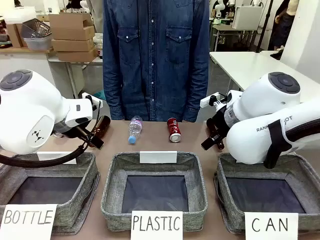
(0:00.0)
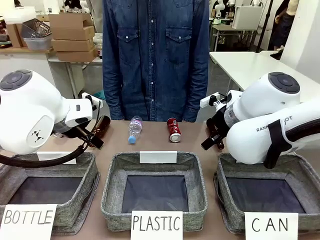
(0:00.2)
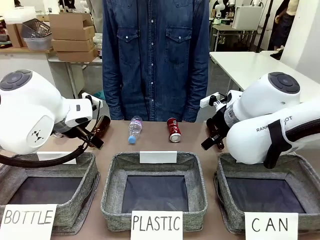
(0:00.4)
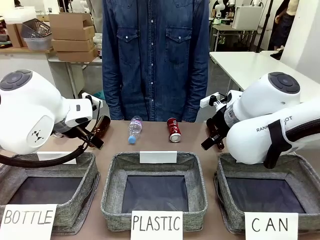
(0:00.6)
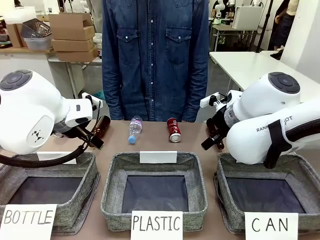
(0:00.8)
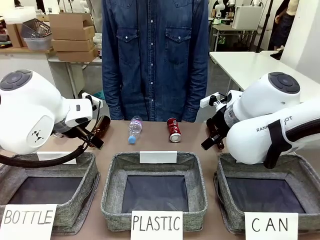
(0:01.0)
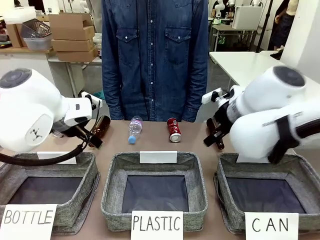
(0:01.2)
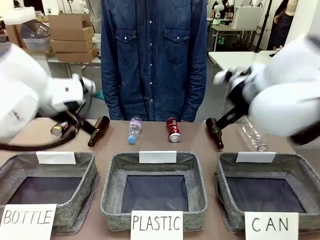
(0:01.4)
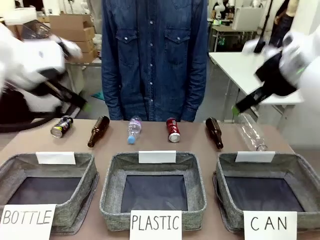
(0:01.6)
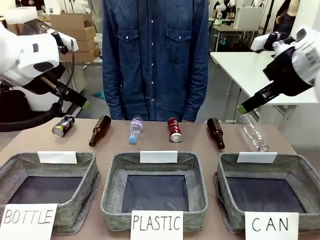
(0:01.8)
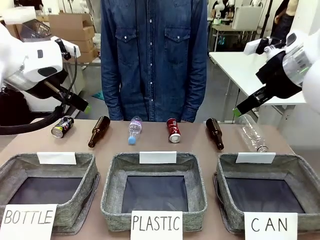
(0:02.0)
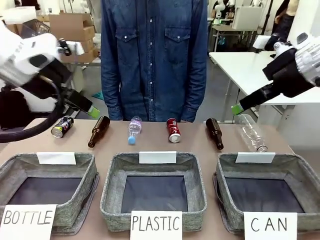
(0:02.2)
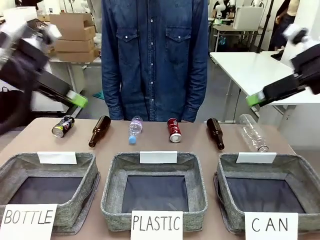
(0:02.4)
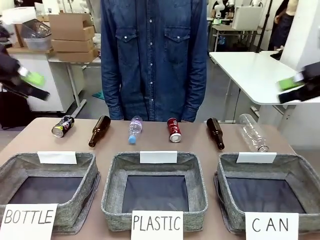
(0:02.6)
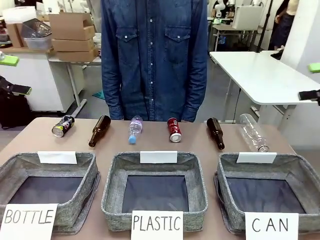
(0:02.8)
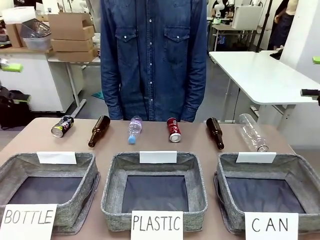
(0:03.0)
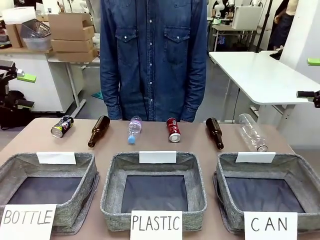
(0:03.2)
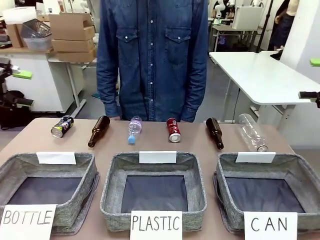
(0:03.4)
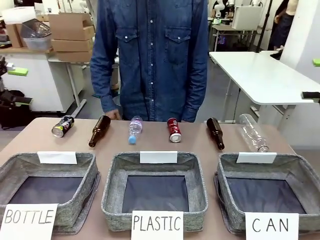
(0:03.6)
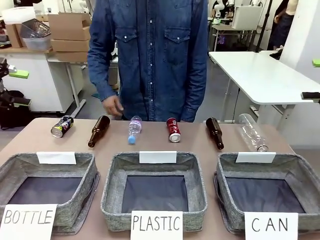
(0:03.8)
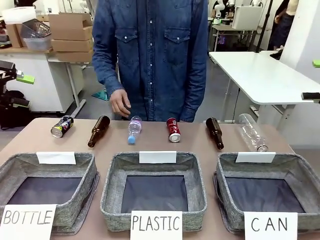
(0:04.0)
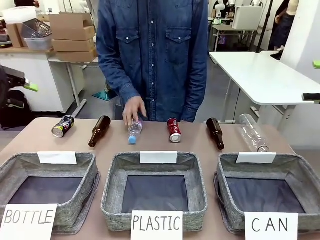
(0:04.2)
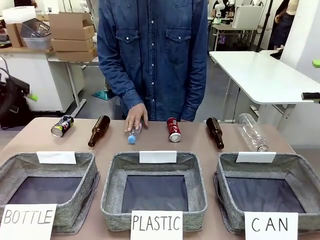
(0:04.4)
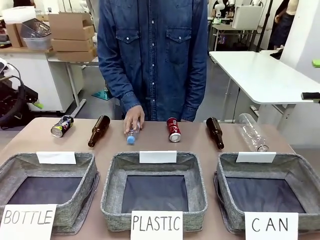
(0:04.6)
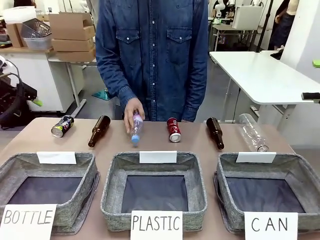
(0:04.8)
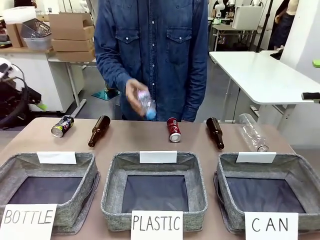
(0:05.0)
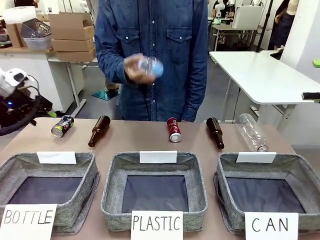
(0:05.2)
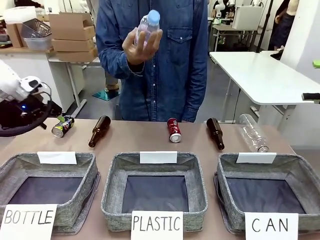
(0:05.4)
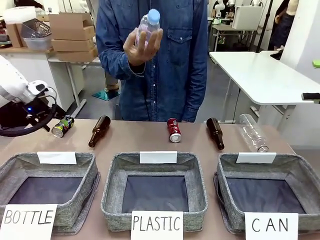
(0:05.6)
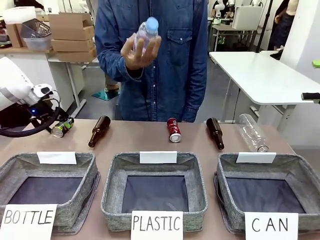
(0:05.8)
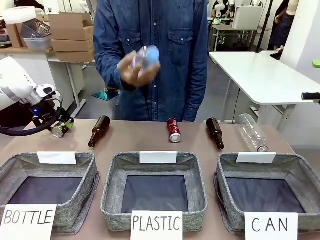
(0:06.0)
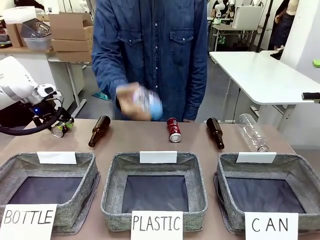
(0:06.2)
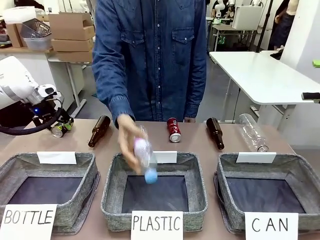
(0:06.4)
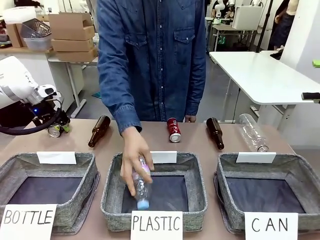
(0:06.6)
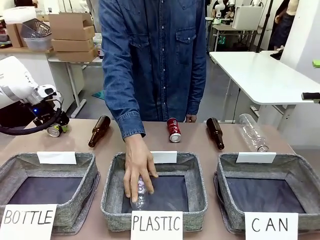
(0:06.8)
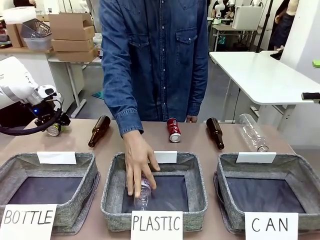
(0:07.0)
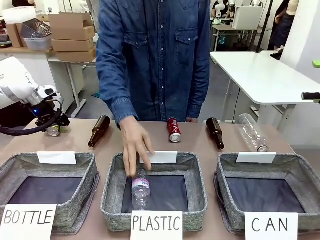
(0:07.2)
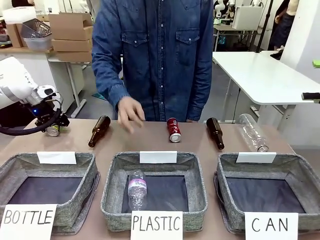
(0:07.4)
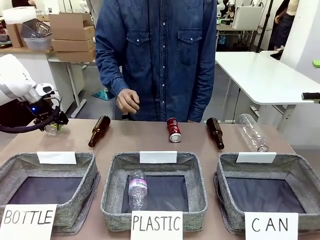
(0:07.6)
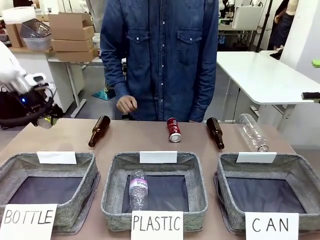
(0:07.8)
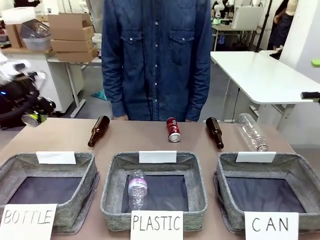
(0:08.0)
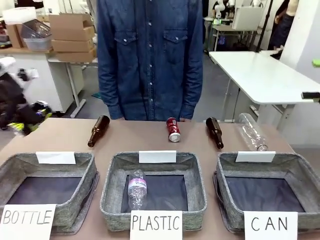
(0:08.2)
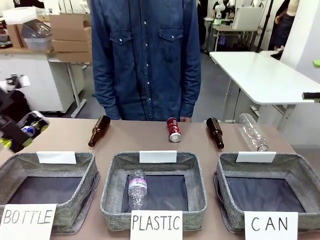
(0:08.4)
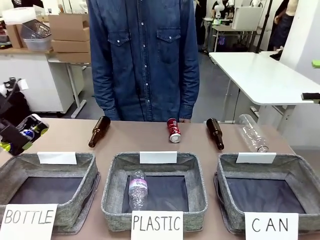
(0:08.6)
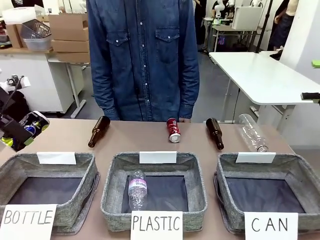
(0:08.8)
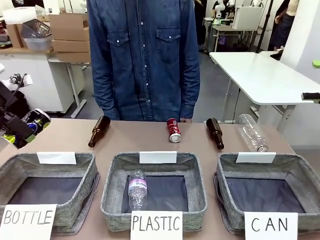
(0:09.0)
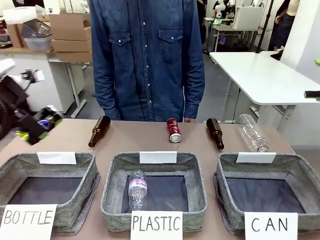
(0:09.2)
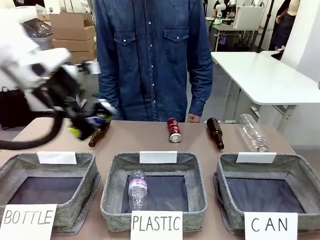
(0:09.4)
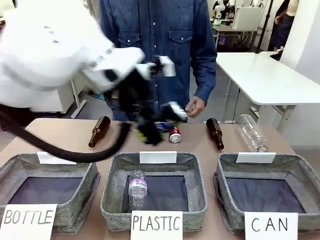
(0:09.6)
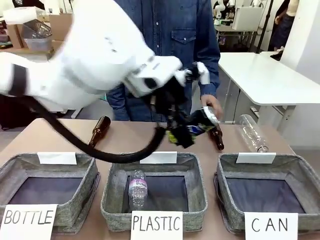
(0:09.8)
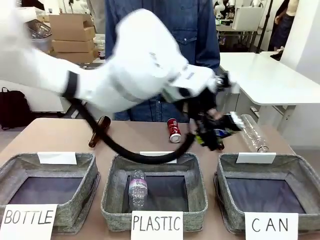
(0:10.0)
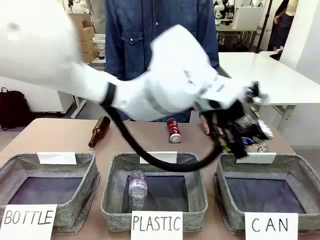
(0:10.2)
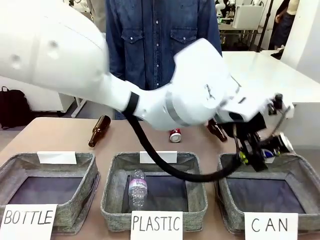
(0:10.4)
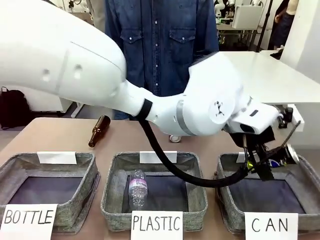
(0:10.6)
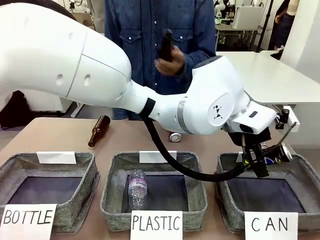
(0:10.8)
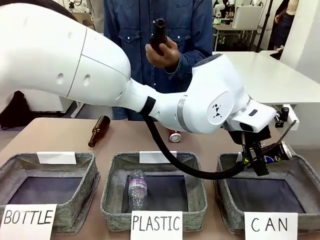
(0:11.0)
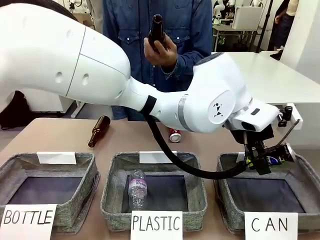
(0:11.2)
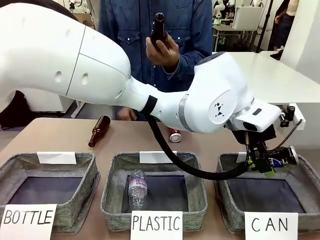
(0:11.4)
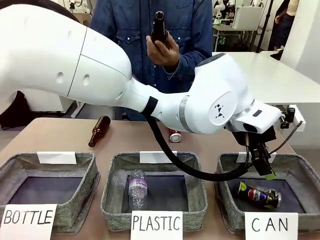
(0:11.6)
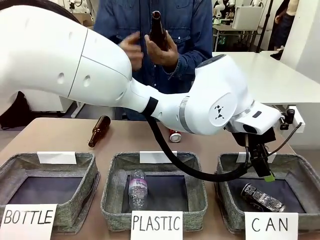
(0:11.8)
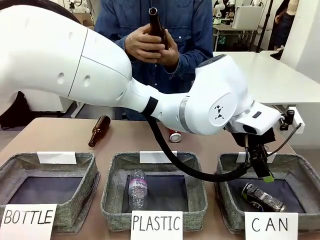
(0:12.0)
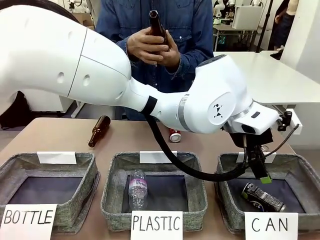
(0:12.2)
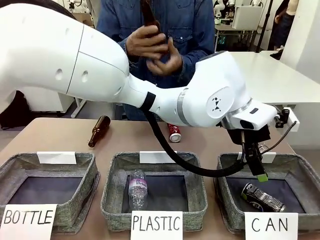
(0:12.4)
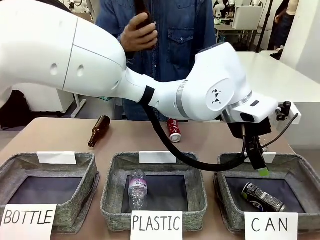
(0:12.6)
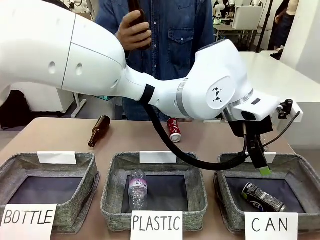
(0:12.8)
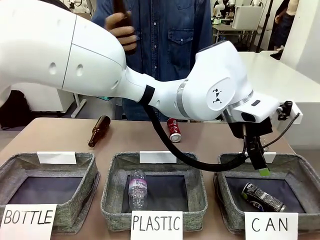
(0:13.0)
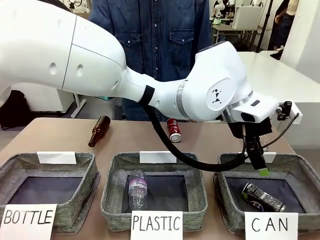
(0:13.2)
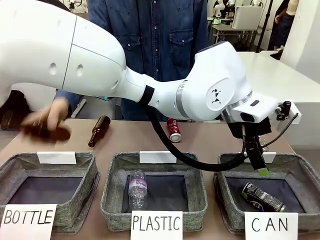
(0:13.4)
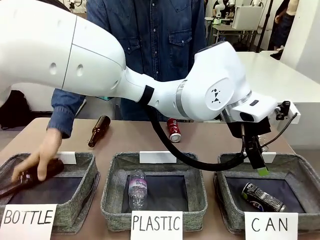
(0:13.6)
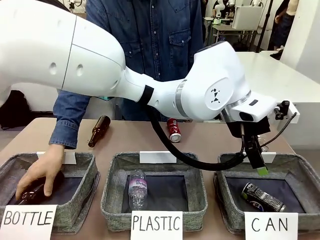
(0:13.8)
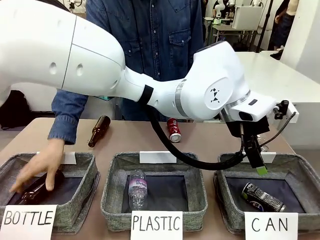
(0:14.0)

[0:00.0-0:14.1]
Task: Sort the can waste into the basket.
Robot: Pick up the can waste from the table and place it in the right Fabric basket.

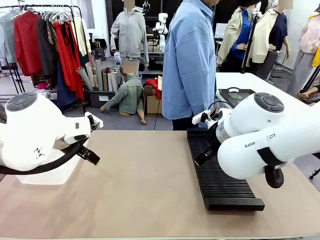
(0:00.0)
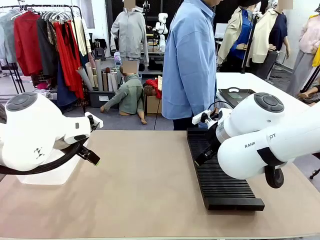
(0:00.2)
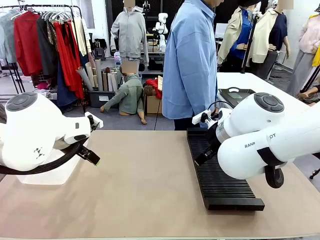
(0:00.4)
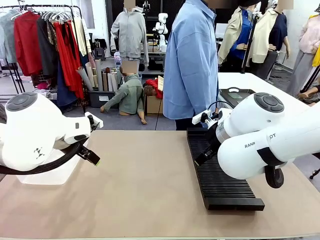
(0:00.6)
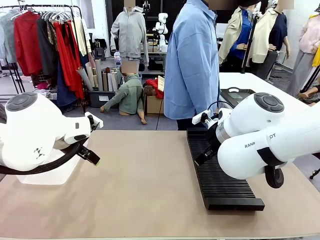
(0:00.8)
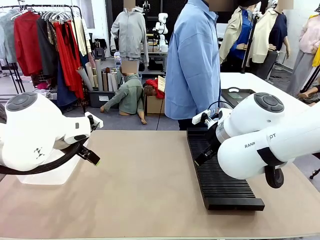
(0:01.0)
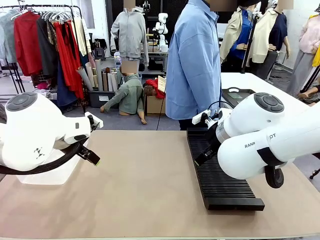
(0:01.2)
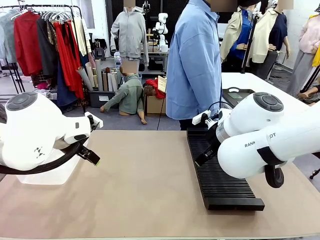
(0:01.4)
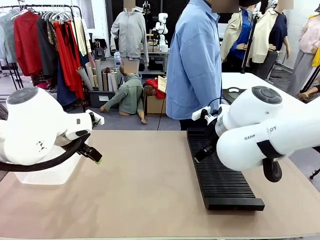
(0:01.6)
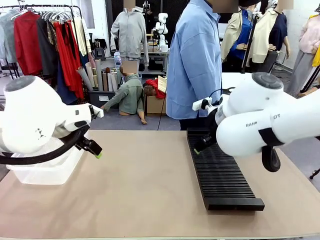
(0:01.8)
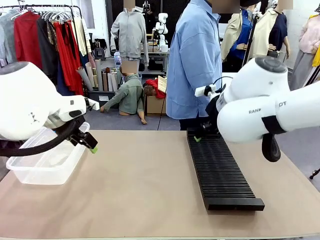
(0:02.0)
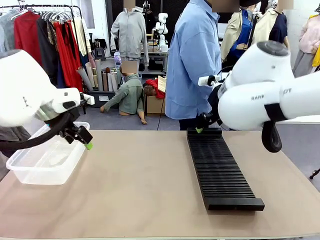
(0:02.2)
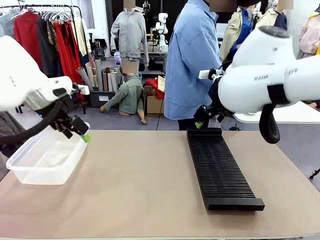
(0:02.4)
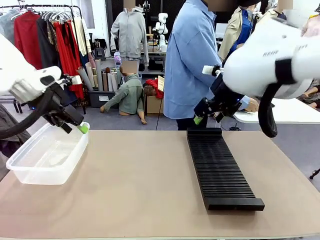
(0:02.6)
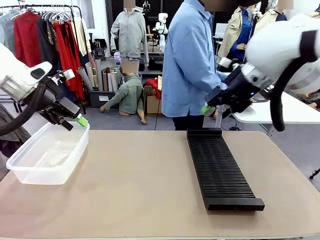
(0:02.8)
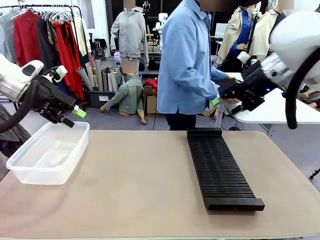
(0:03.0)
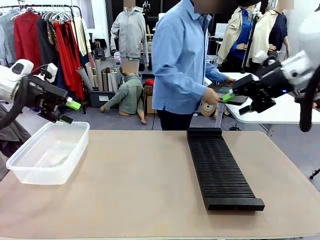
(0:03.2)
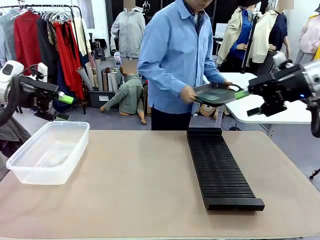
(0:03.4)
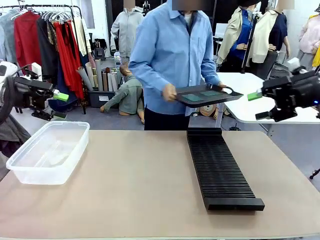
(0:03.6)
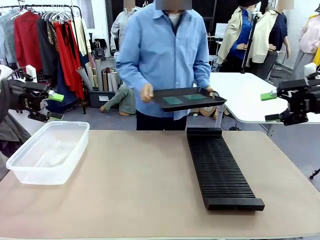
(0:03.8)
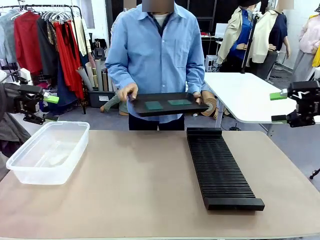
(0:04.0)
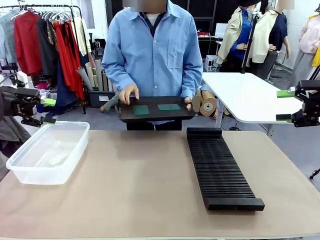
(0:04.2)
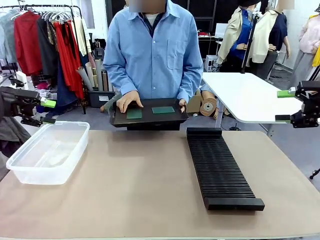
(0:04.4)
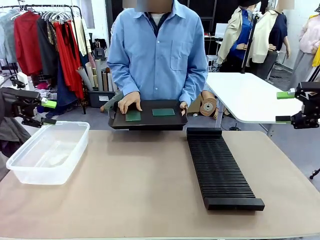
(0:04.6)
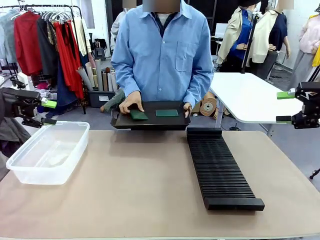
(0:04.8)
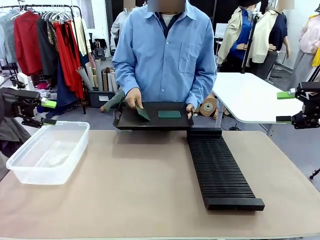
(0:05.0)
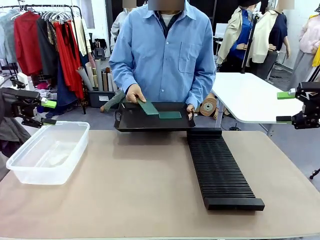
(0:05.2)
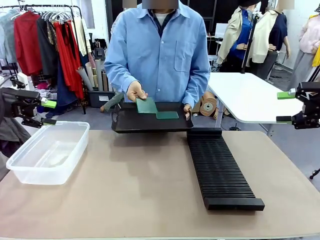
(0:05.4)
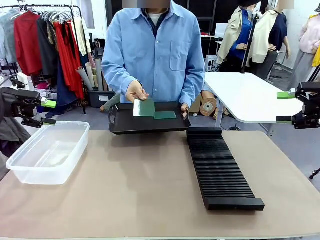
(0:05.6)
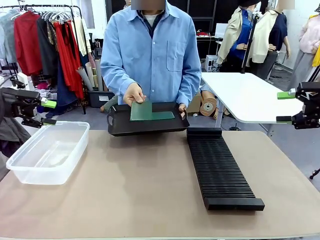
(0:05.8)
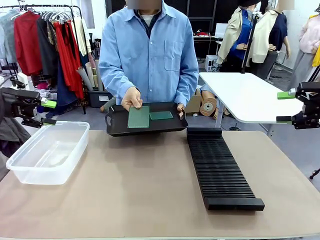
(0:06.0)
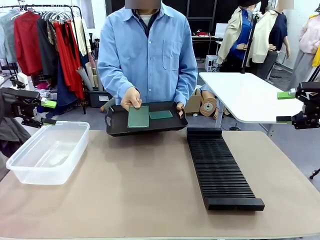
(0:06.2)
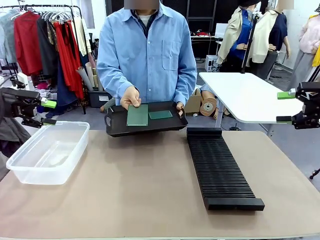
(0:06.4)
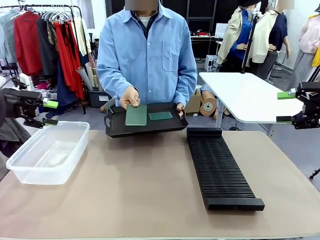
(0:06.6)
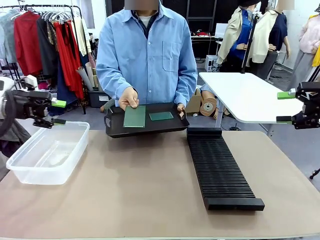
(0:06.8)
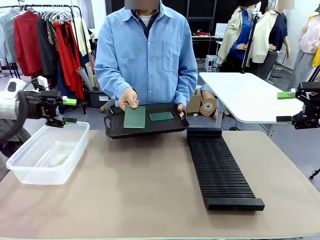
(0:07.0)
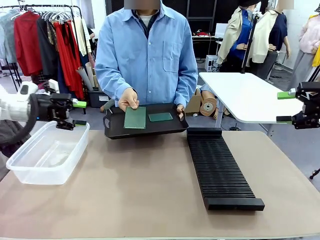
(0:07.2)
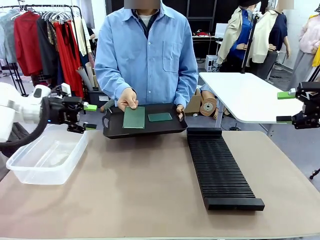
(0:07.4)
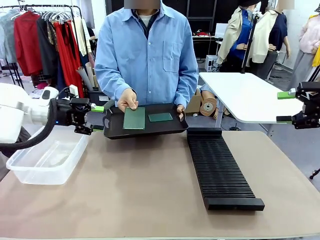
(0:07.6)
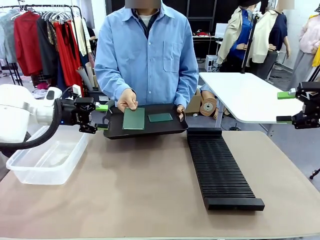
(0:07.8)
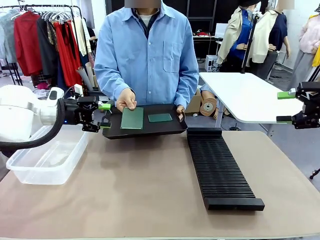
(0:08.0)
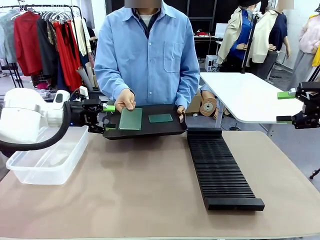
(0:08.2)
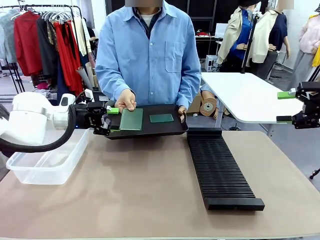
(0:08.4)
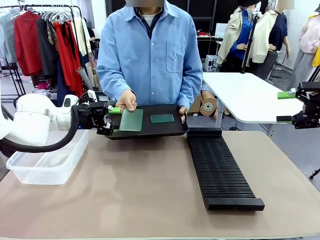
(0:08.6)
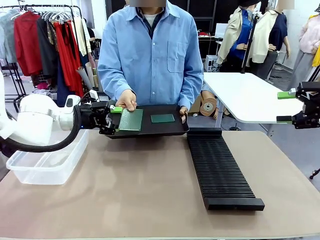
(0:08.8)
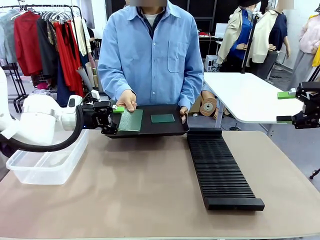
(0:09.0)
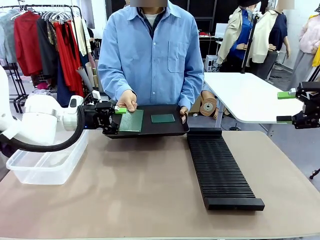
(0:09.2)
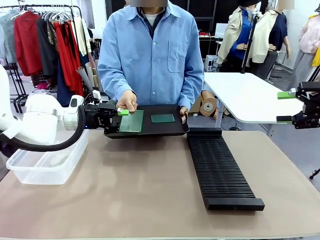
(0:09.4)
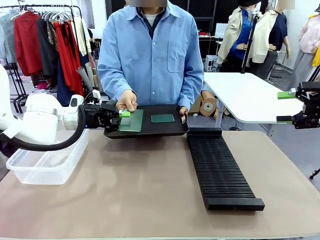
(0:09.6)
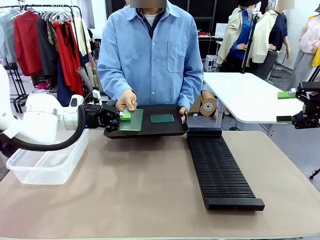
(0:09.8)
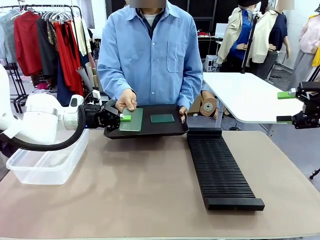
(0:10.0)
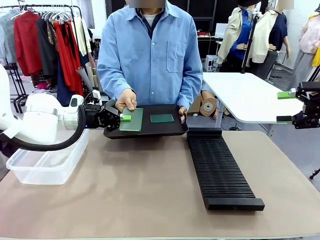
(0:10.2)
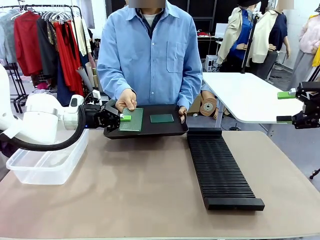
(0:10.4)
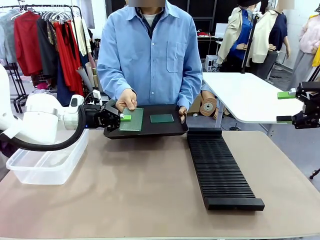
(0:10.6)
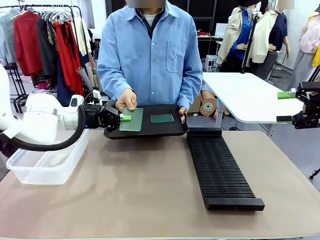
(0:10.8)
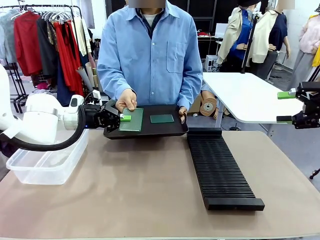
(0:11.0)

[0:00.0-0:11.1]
Task: Sort PCBs into racks and boxes based on the side picked up.
Robot: Pick up the Blank PCB handed by the Human.
Person: Pick one PCB from the tray and present it to the robot. Release the PCB being held.
